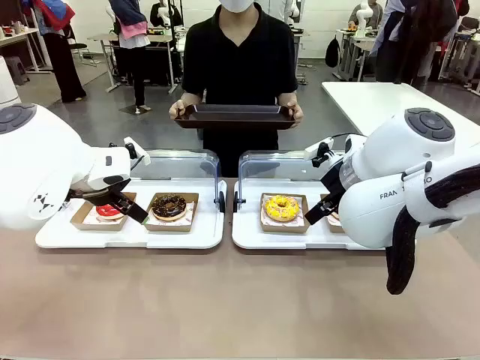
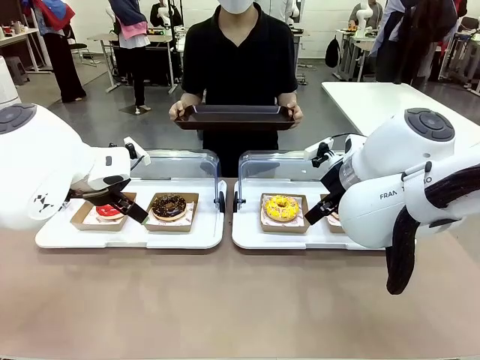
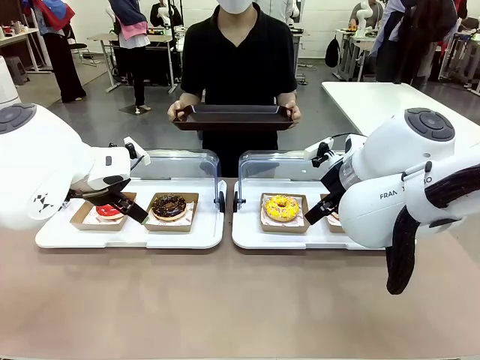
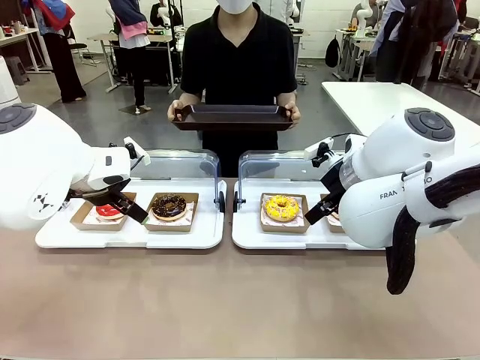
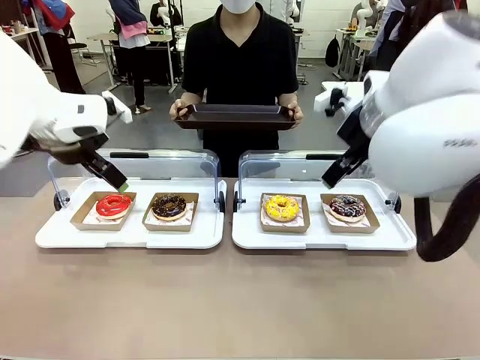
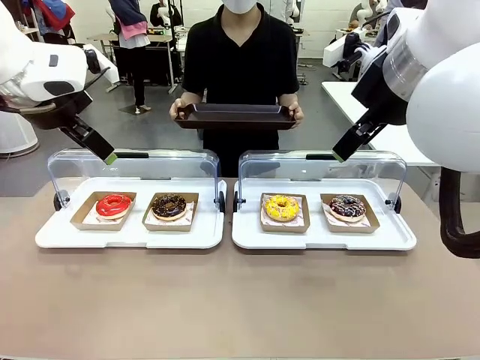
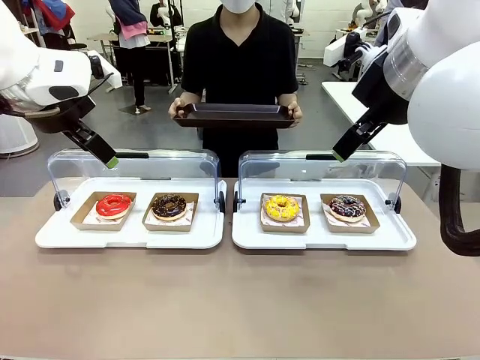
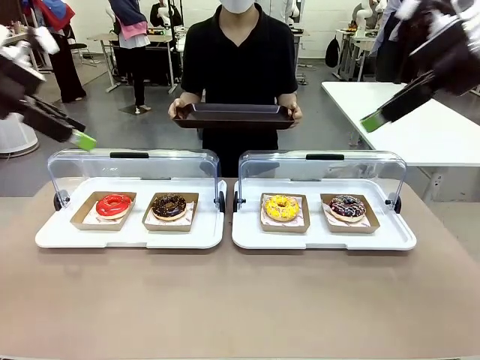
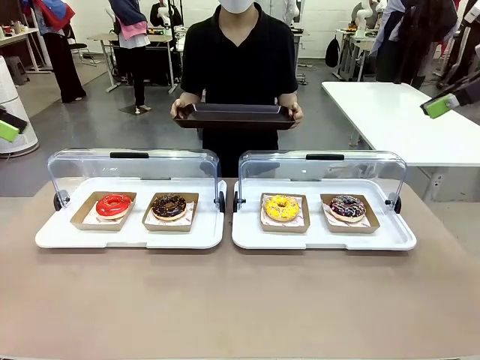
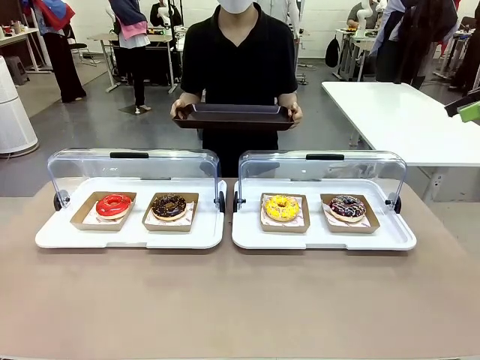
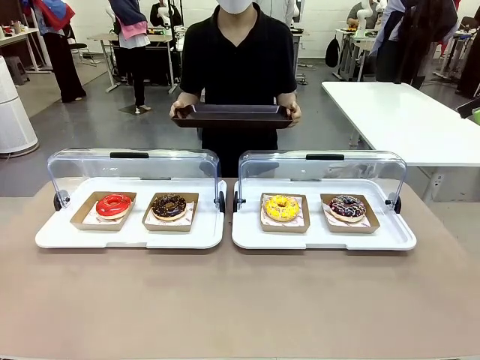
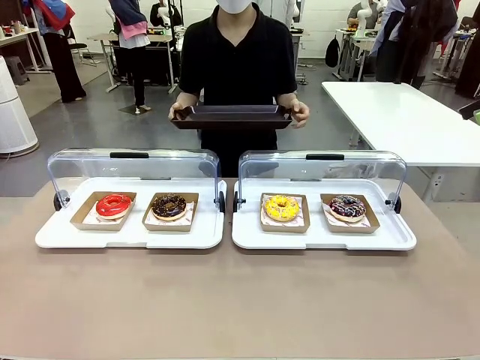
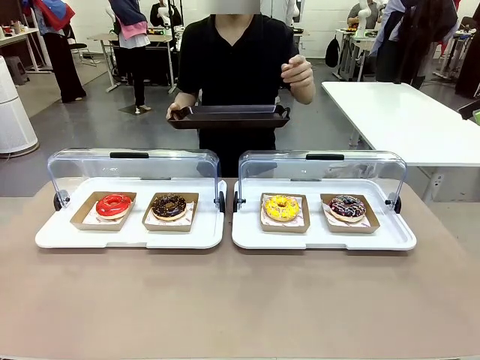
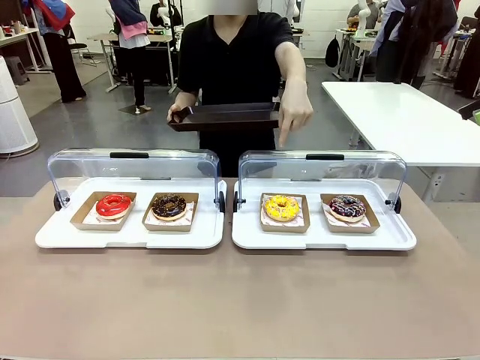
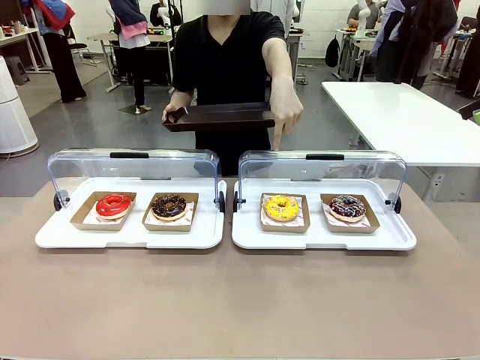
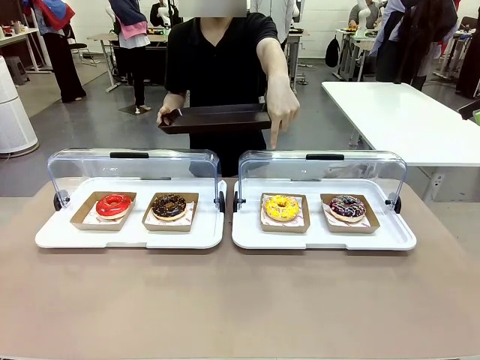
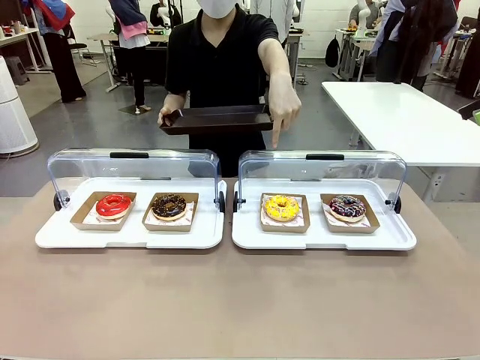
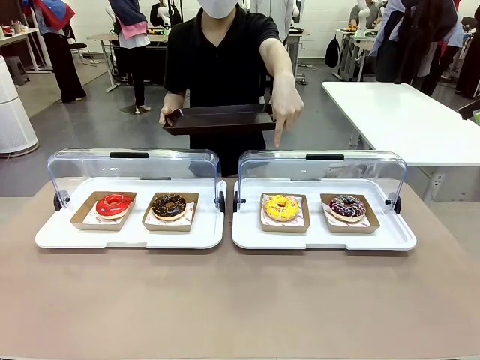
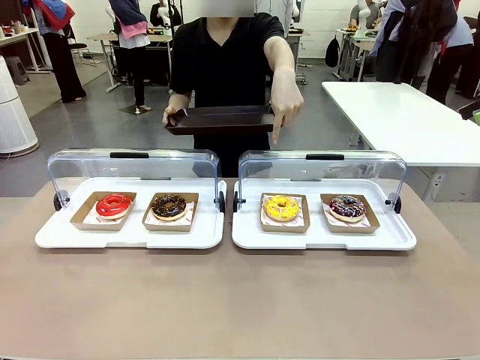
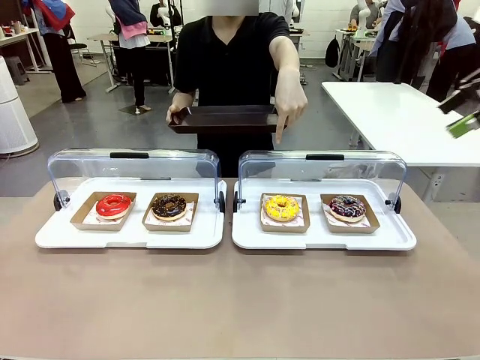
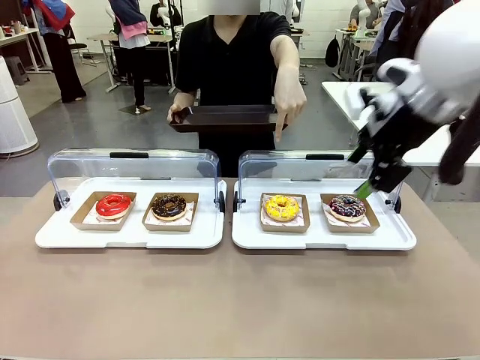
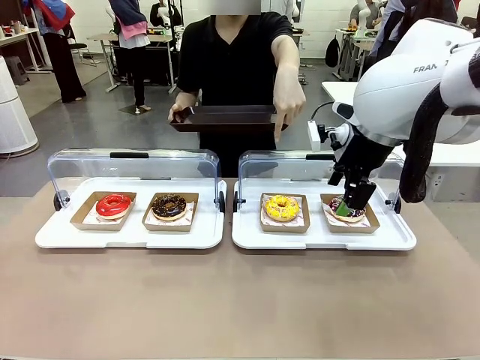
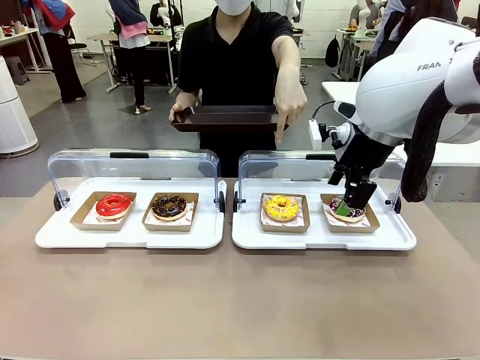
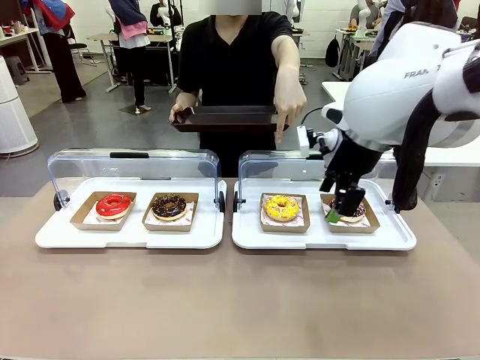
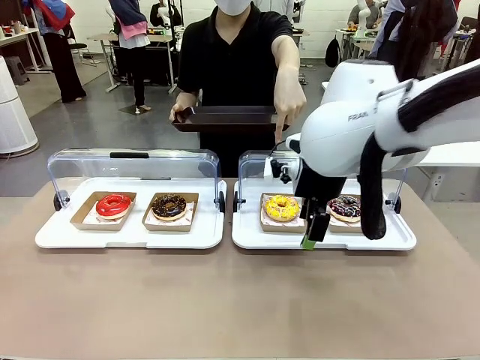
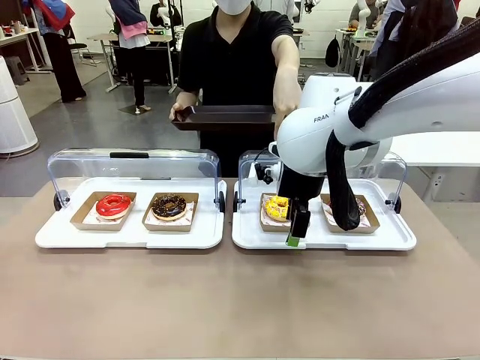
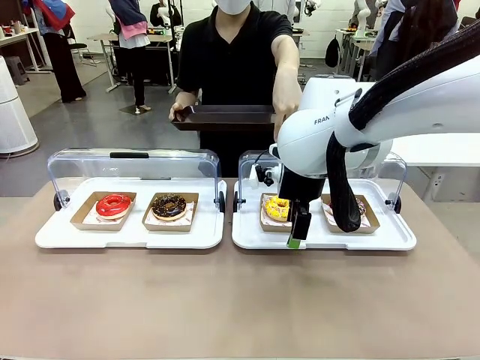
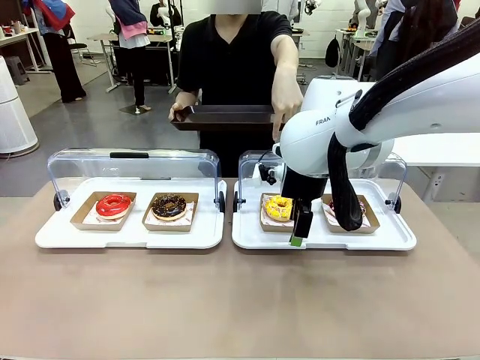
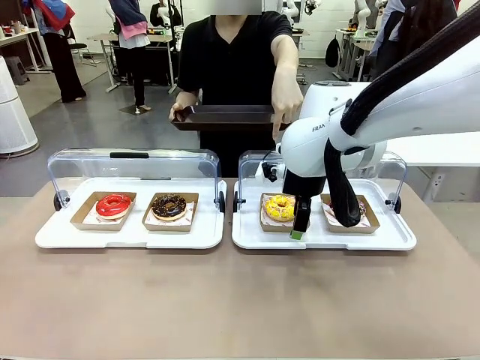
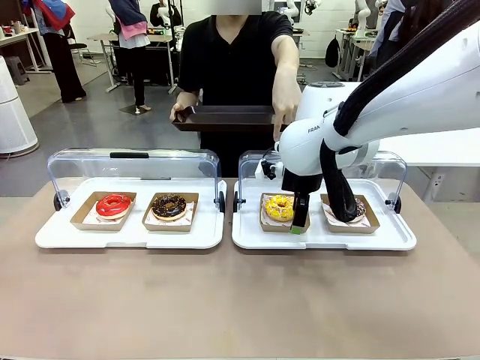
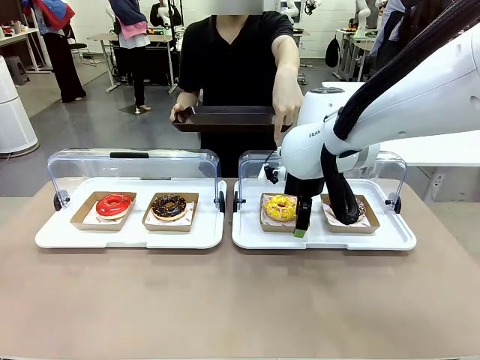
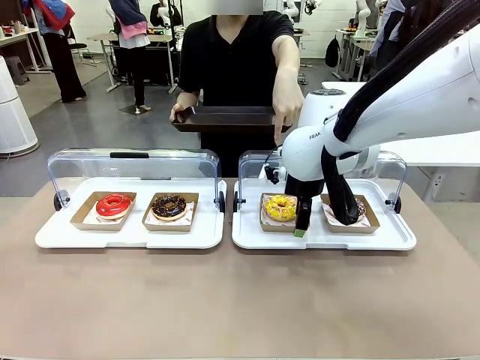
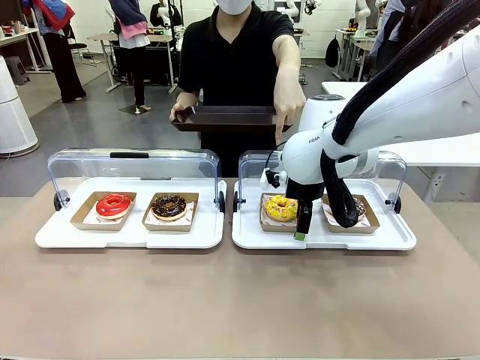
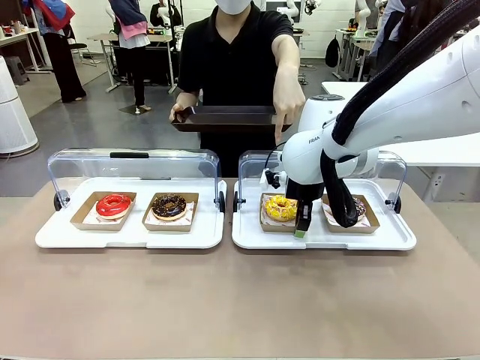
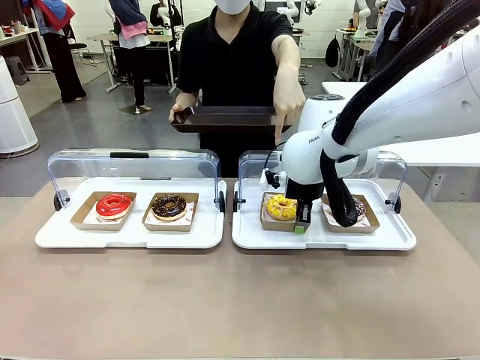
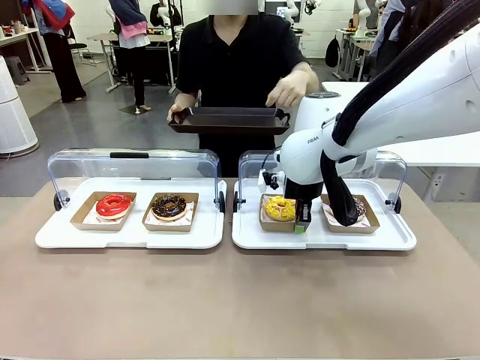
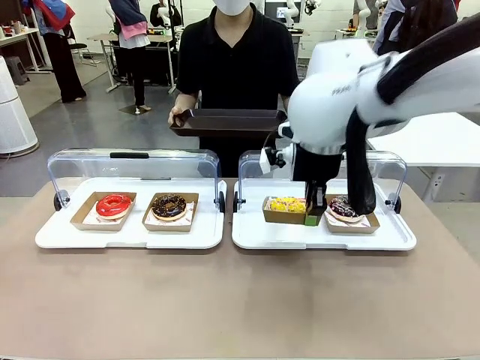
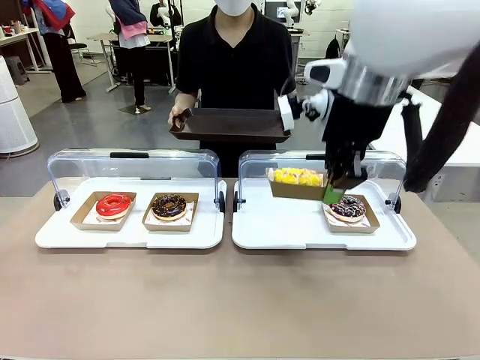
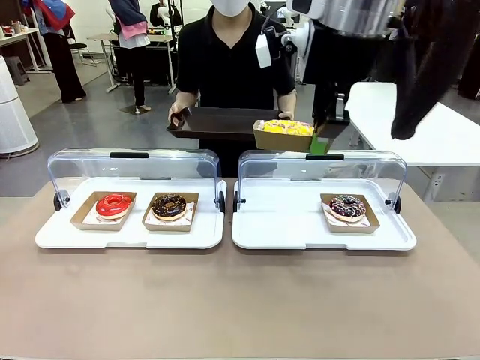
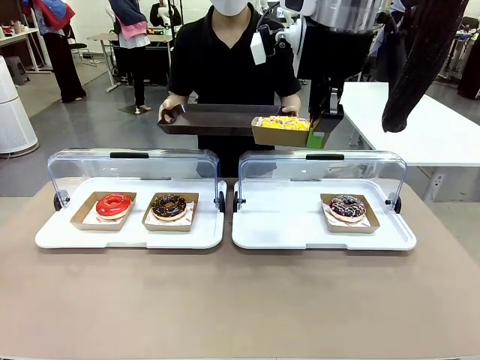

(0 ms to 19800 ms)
Task: Provide the desired donut to the person.
Robot: Pick up and lift the Paper togo box containing the Donut pointed at by the person.
Person: Point to one donut. Lift the tray onto the Roll-Top Bakery Case.

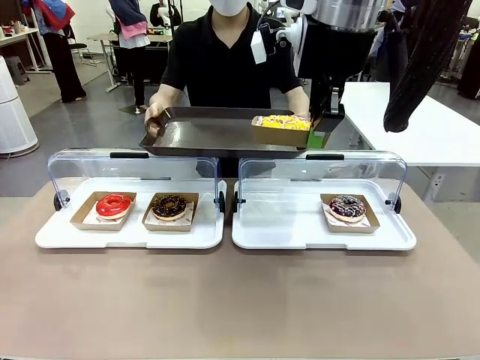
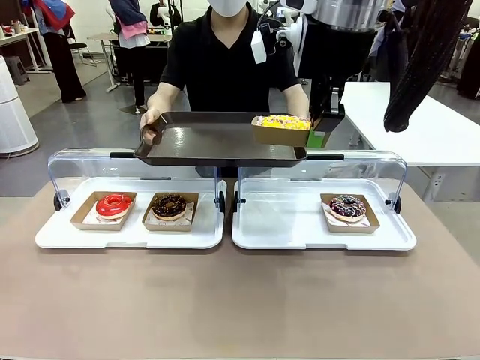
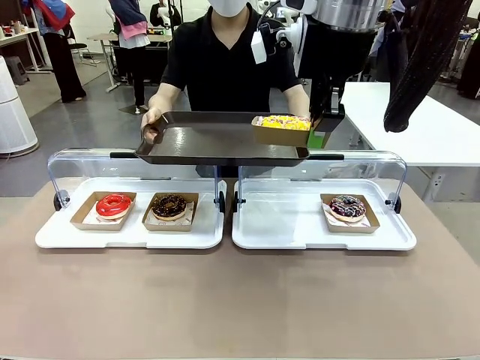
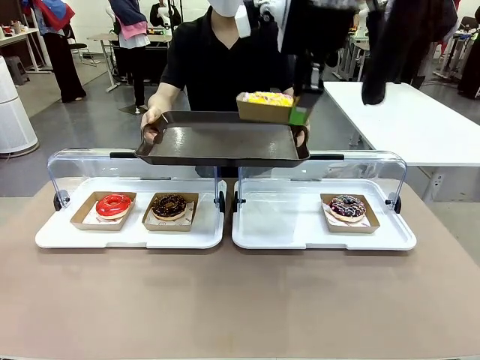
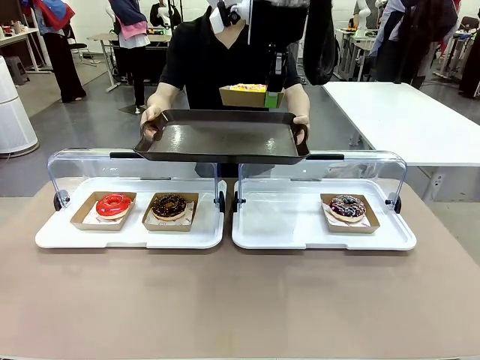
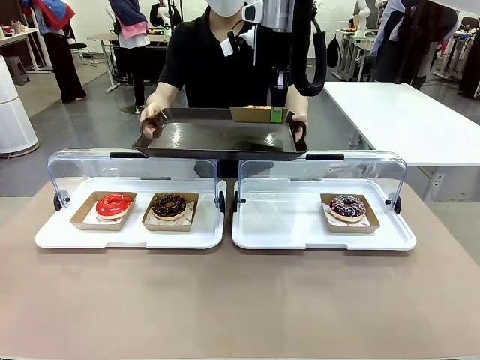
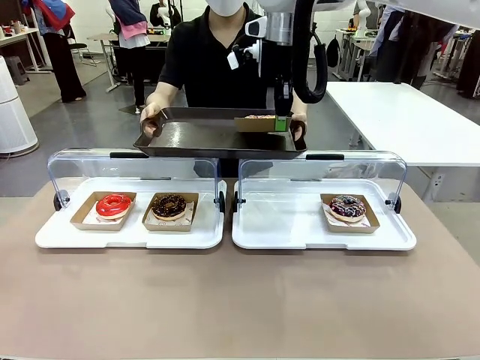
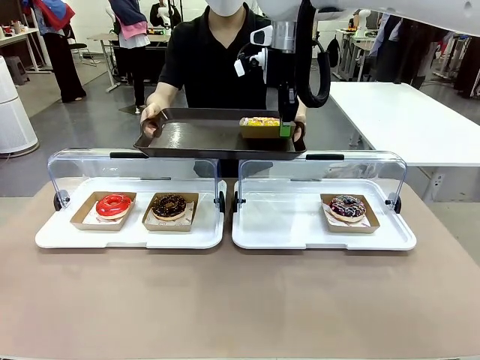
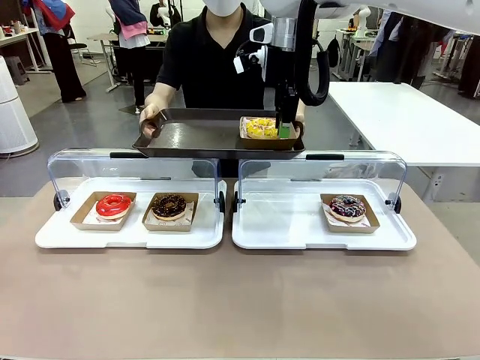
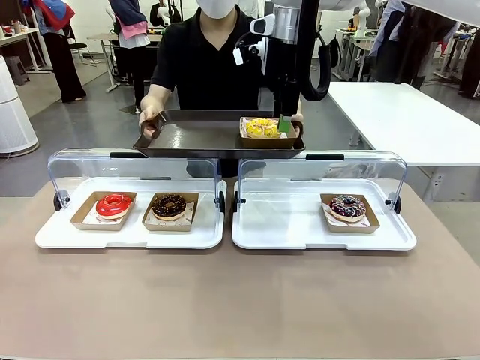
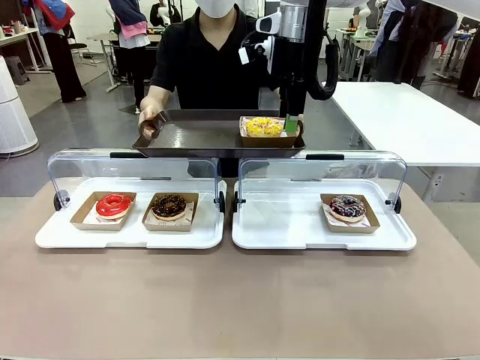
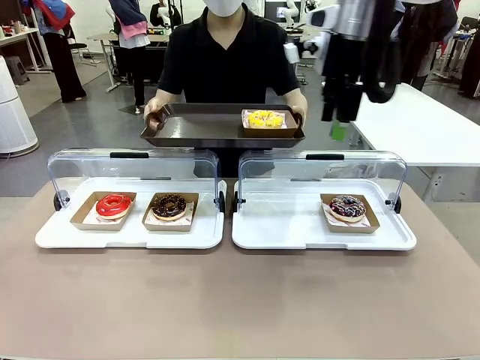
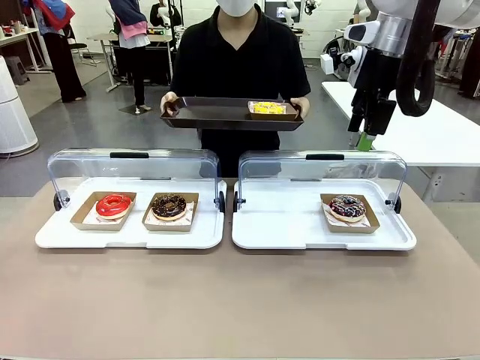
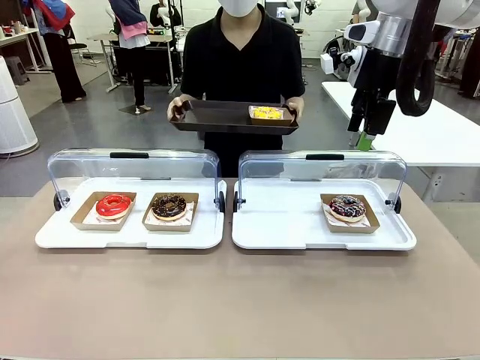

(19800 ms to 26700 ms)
Robot: Place the picked Paper togo box onto the Handle tray extended by the person.
